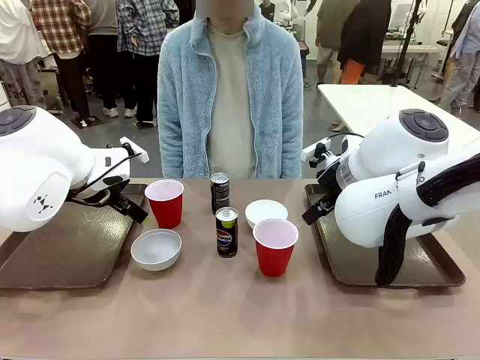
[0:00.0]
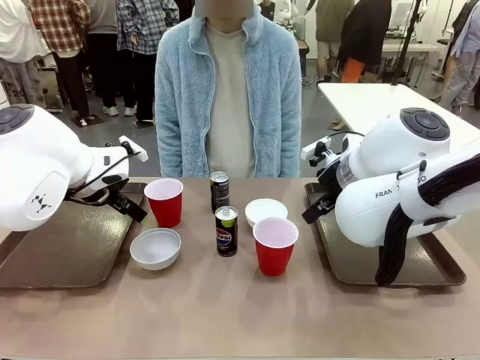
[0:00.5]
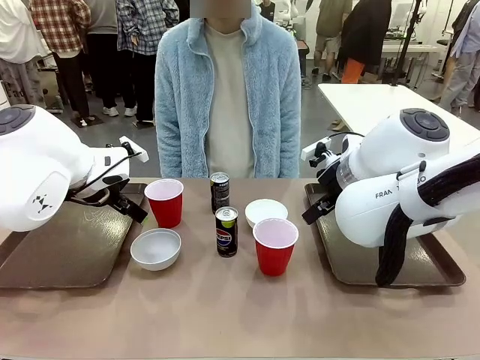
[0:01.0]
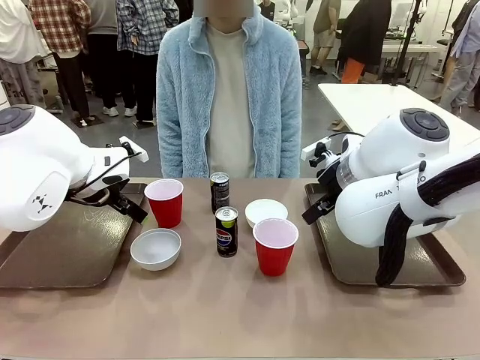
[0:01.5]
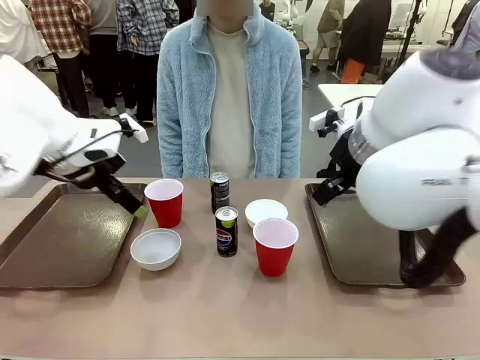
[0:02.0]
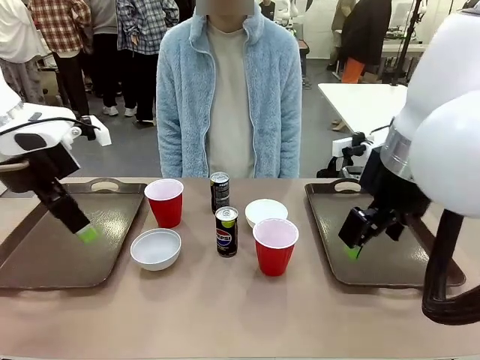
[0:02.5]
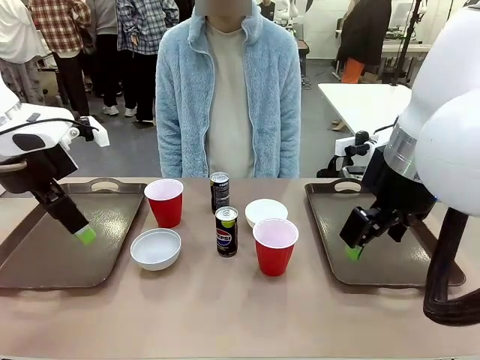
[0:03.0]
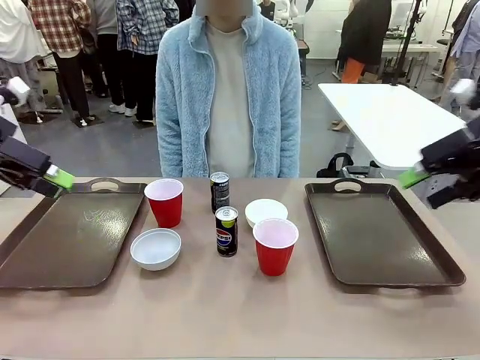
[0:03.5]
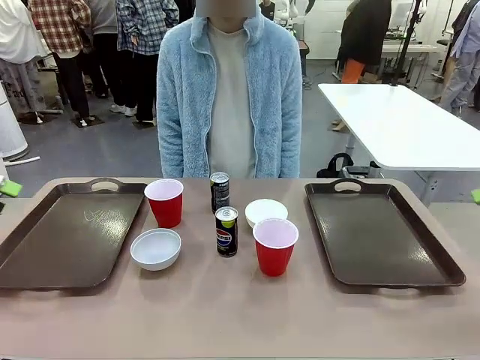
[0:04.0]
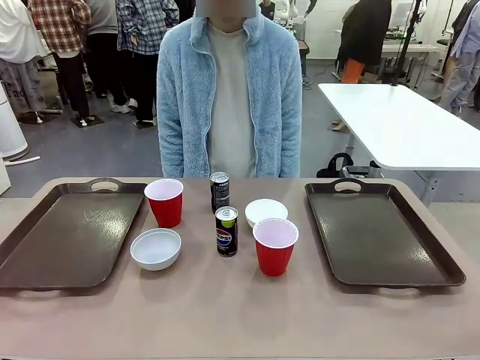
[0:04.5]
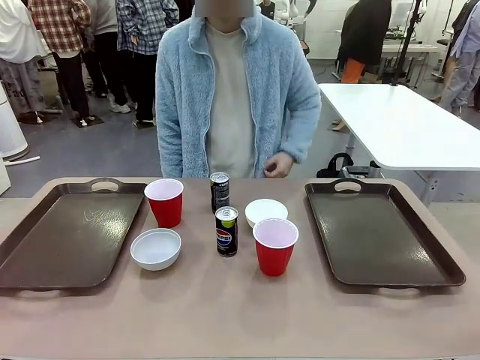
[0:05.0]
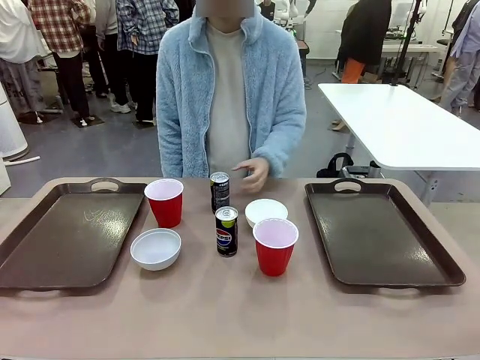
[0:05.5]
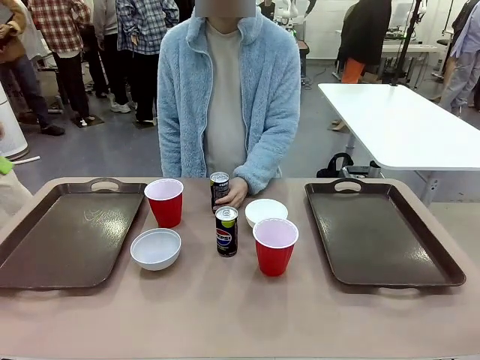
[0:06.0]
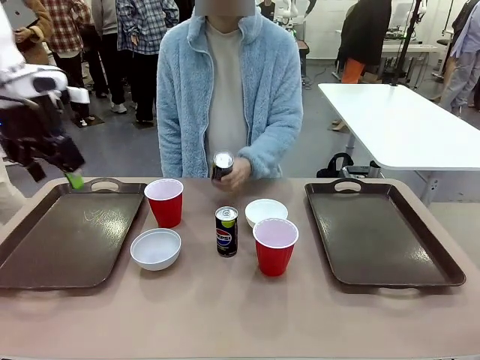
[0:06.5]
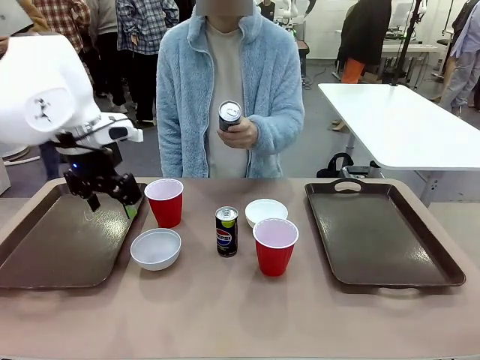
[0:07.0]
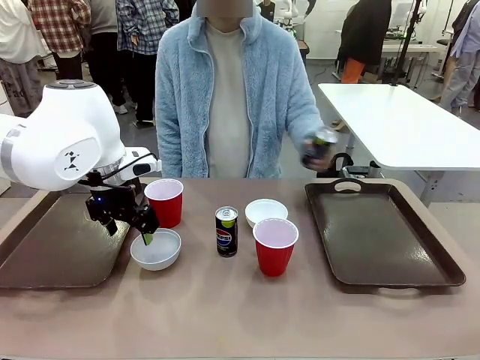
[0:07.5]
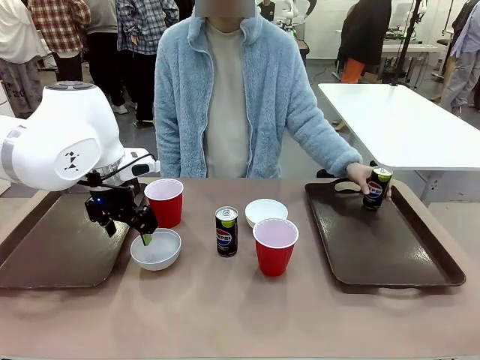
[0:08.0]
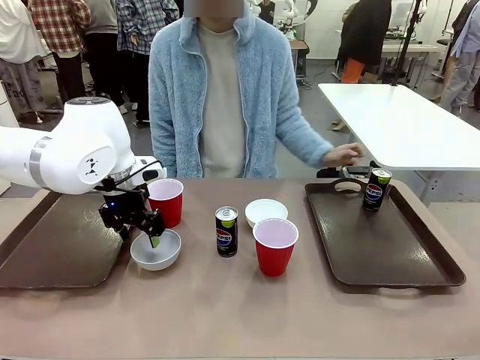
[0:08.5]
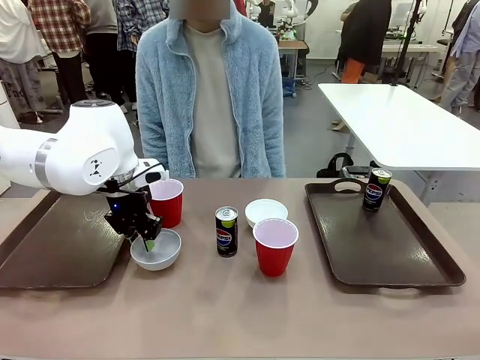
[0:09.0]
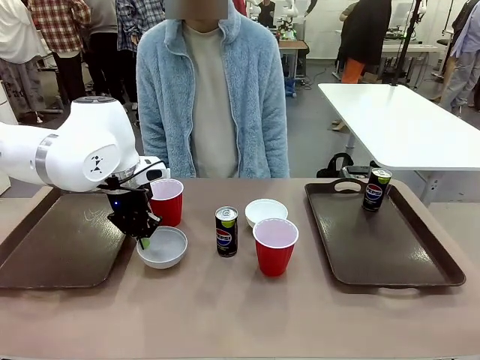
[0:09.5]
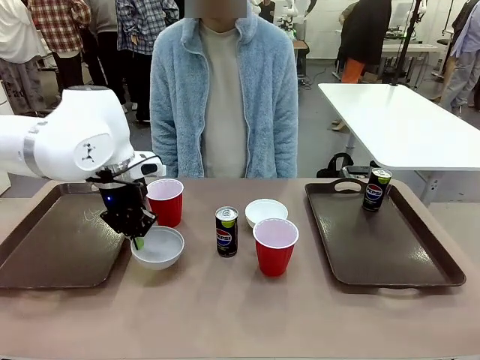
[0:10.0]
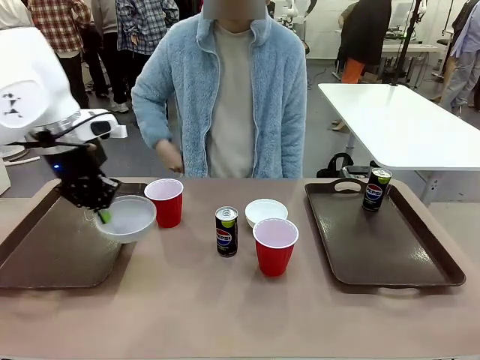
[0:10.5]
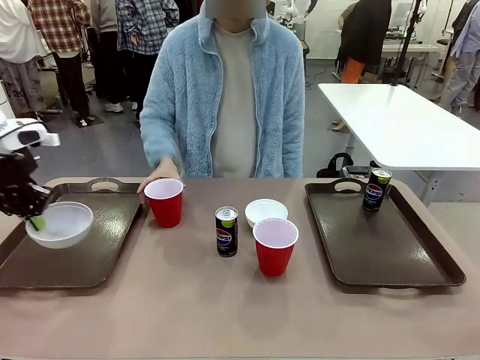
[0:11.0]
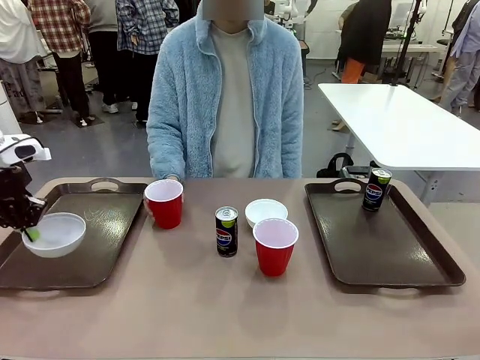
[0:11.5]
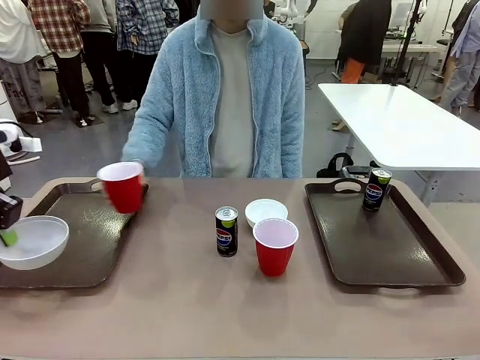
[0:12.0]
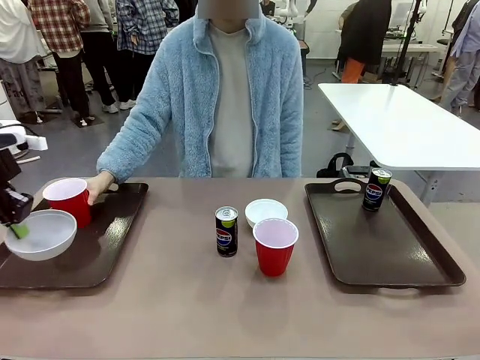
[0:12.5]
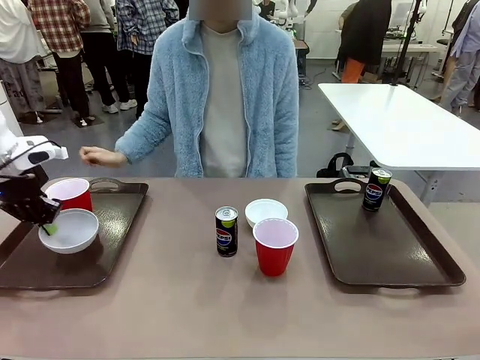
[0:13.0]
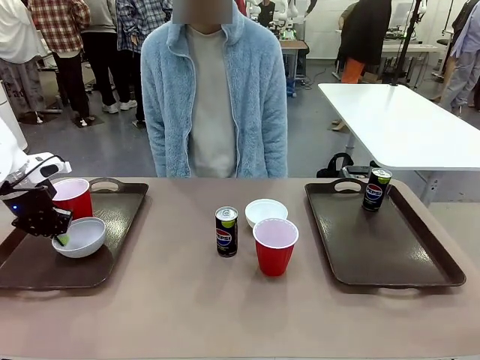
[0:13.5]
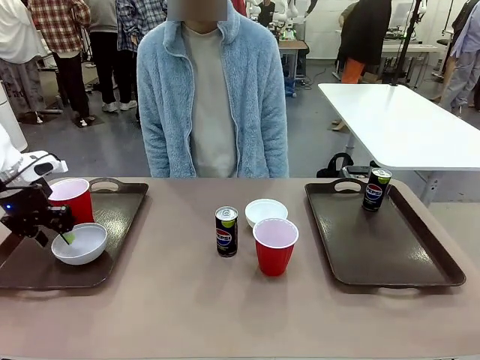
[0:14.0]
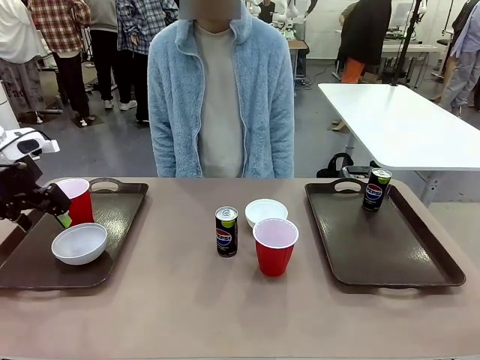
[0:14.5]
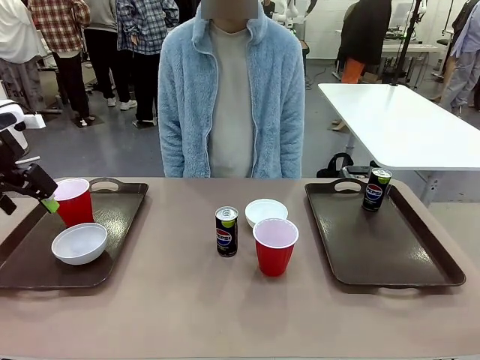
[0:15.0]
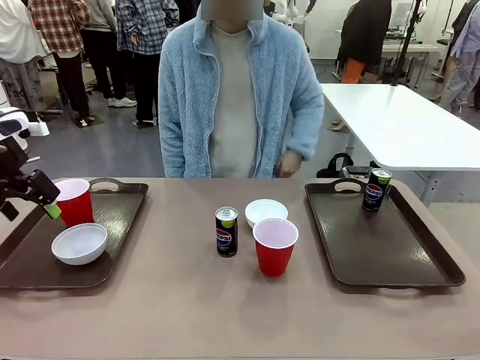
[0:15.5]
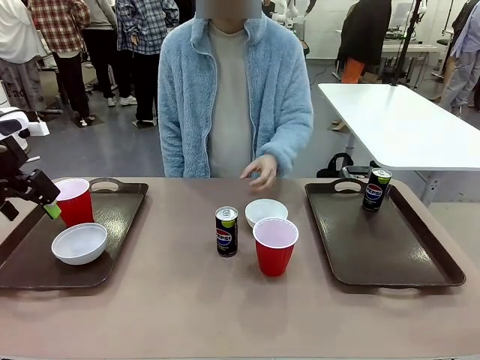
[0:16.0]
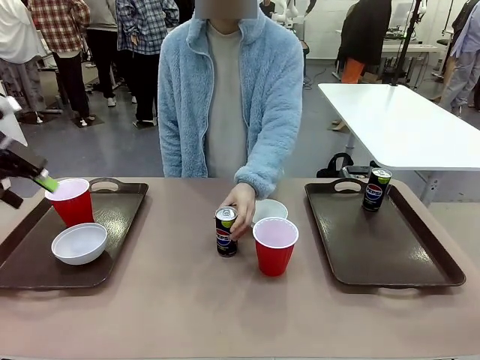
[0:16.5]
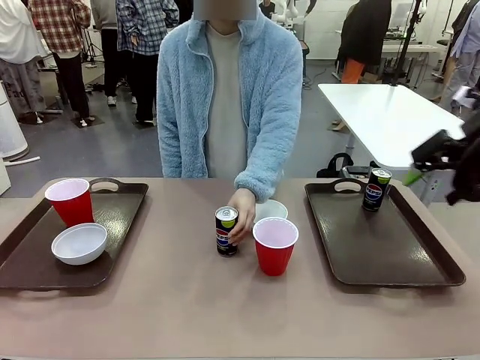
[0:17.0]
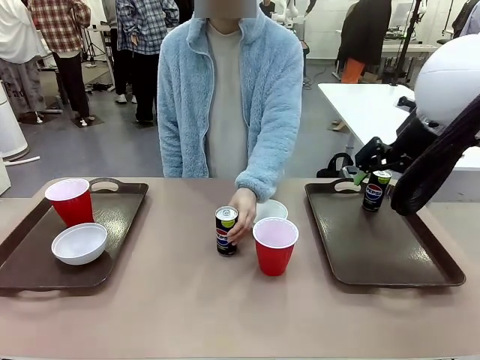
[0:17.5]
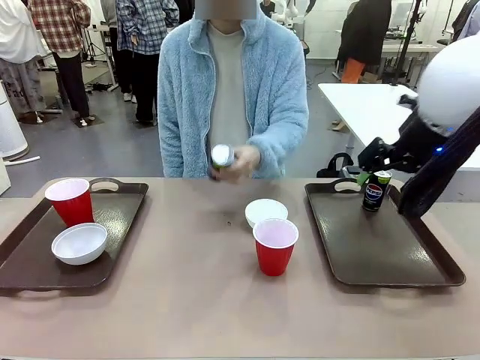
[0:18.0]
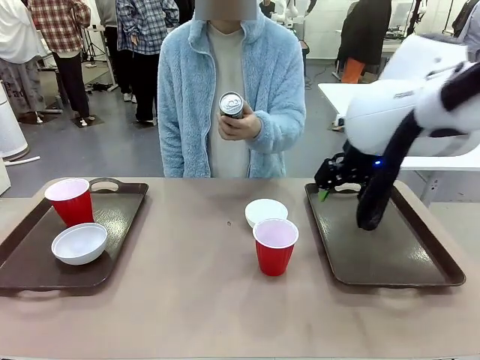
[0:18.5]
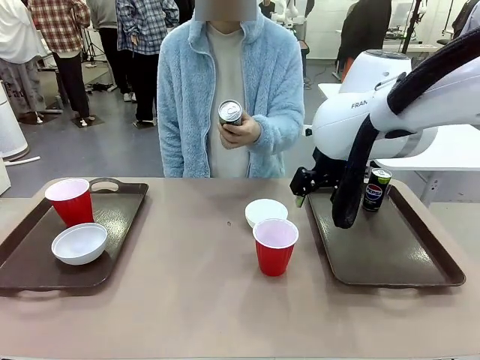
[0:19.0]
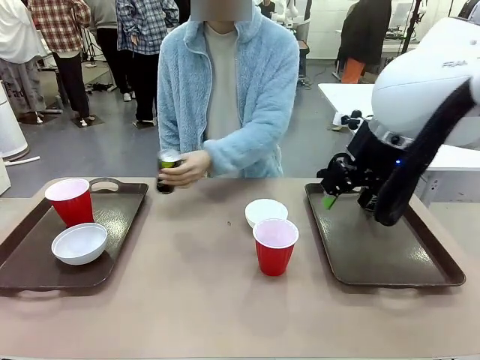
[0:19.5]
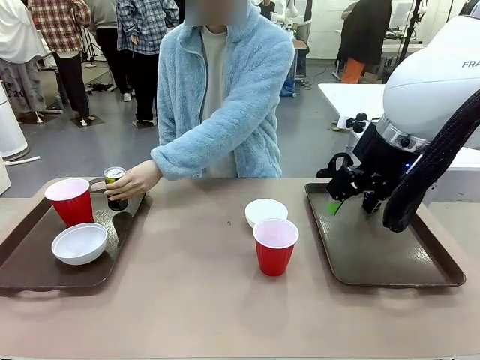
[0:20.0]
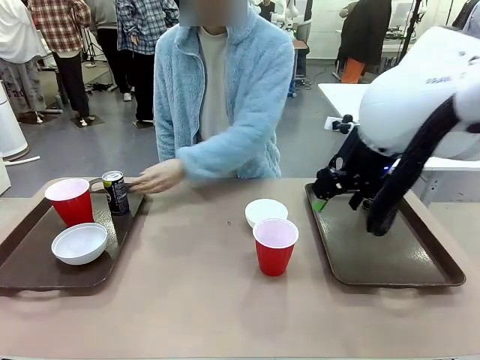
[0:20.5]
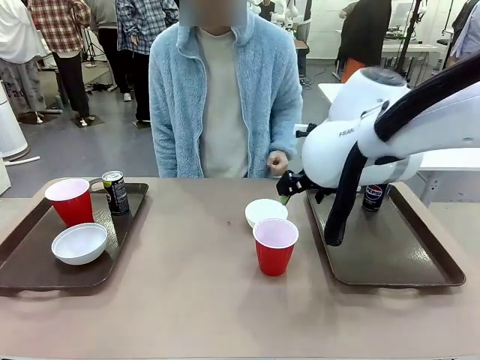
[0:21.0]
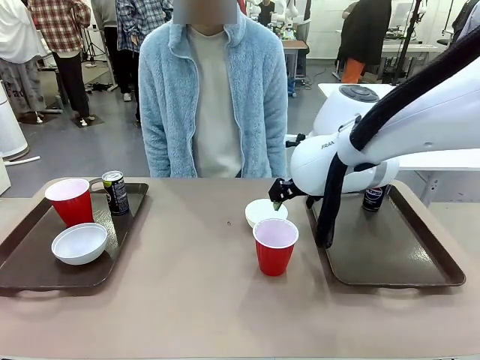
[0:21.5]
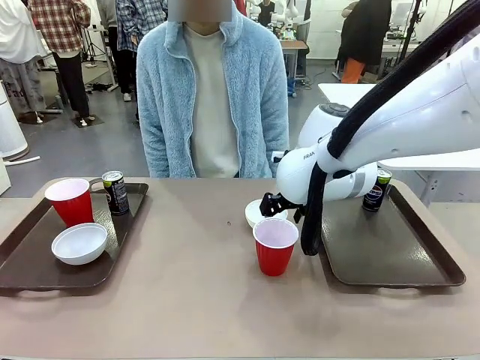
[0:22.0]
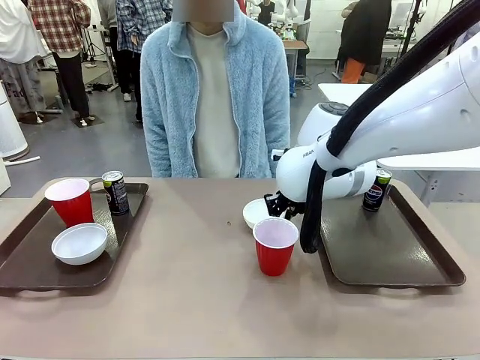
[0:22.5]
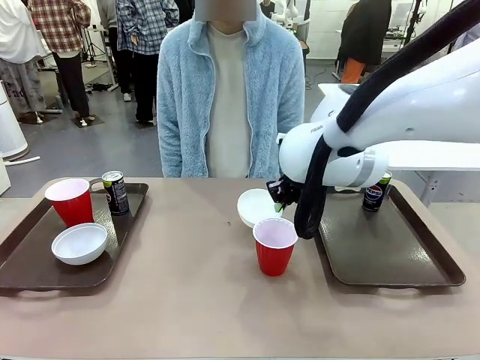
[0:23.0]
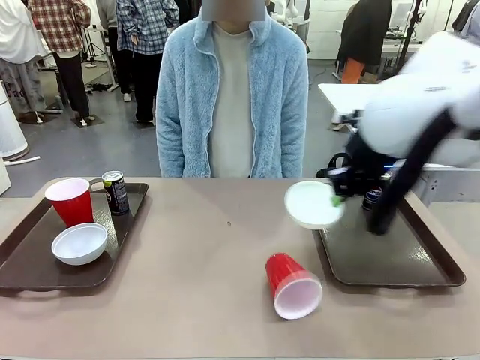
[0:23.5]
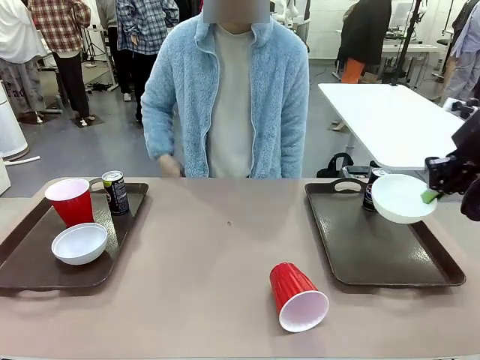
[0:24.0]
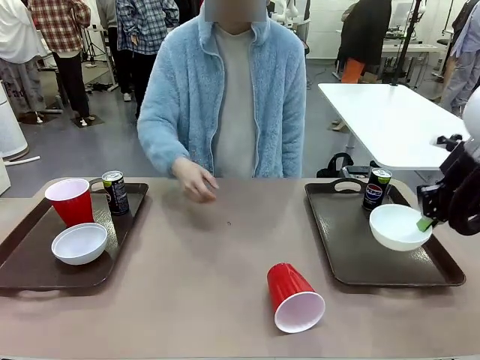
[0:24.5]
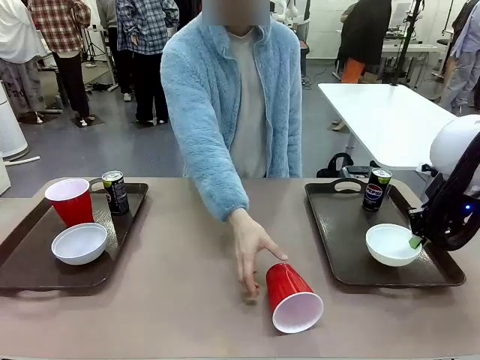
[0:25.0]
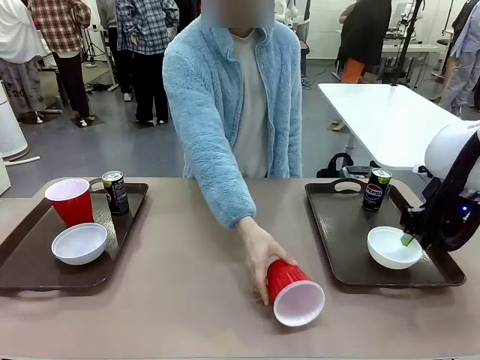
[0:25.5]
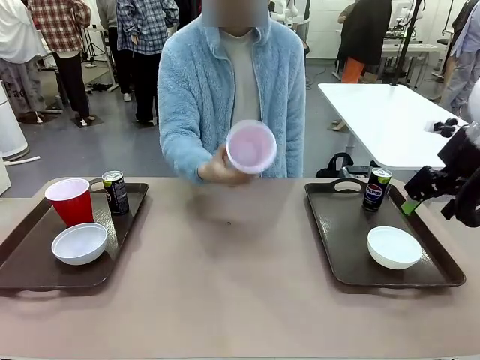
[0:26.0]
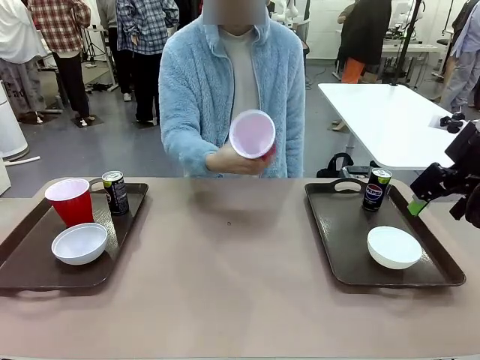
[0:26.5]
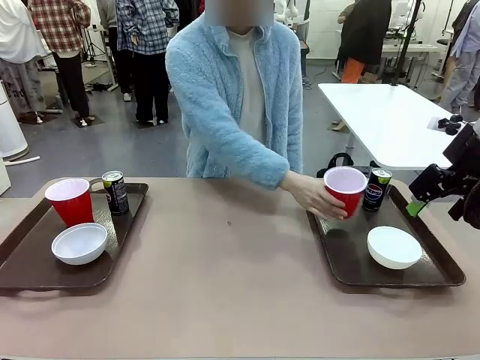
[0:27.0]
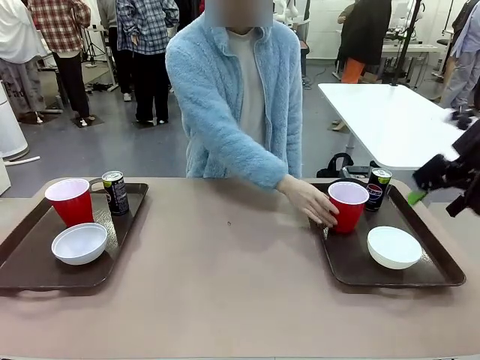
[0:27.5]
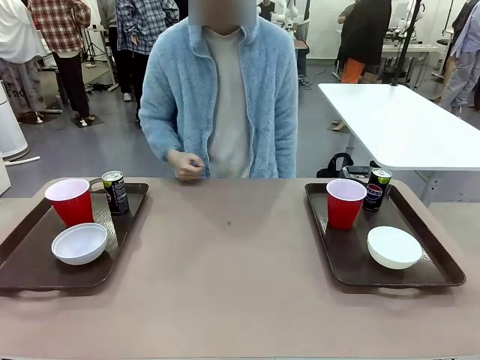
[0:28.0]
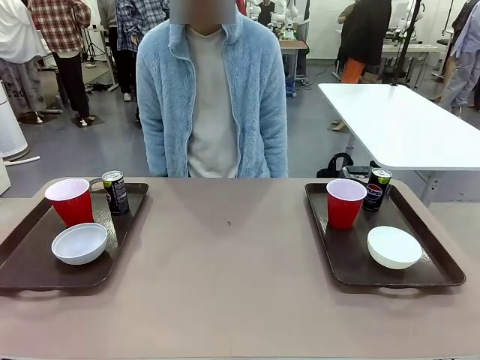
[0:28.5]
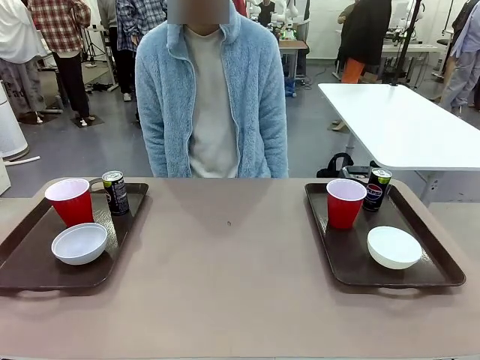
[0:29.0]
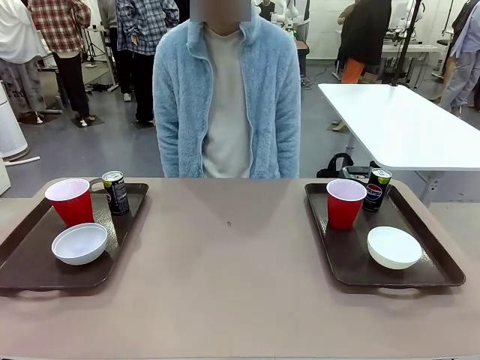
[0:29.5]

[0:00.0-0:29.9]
Task: Prepare tableware on both trays.
Robot: Pick up a Picnic Bowl from the table and place it on a Handle tray.
Person: Pick up a can or cup and place it on the tray. Pick up a can or cup and place it on the tray without a can or cup.
